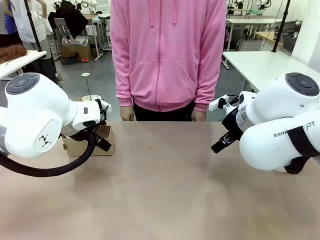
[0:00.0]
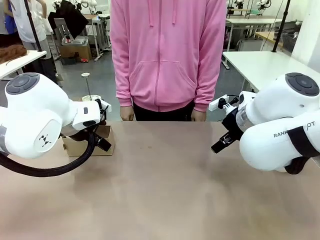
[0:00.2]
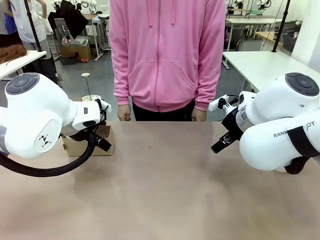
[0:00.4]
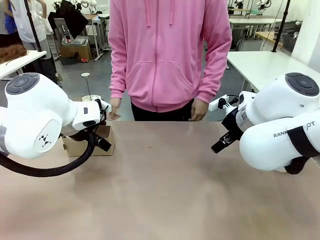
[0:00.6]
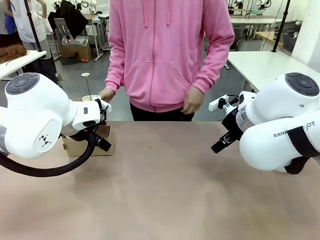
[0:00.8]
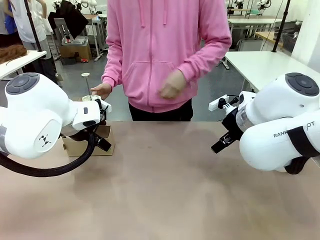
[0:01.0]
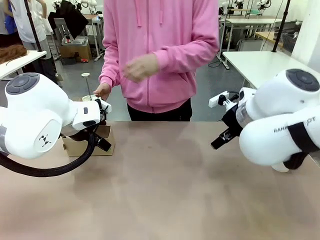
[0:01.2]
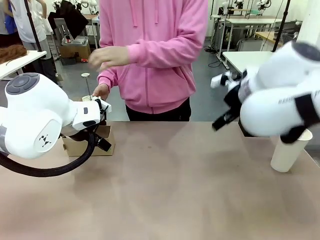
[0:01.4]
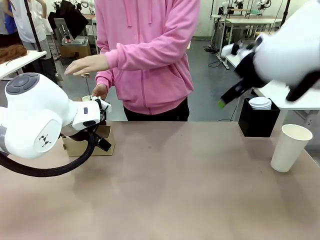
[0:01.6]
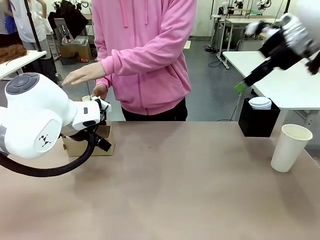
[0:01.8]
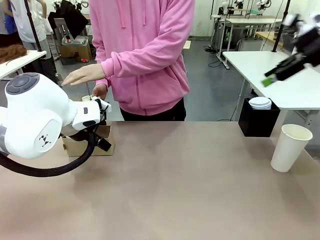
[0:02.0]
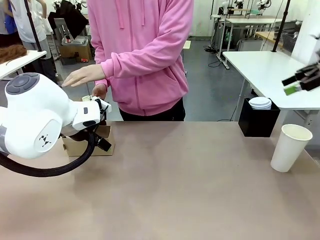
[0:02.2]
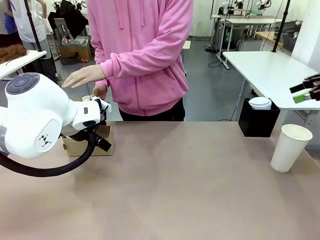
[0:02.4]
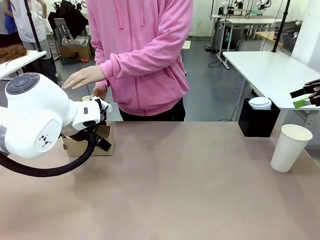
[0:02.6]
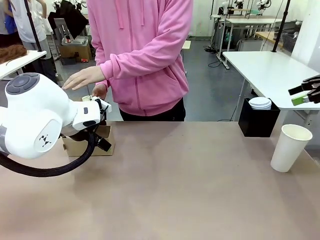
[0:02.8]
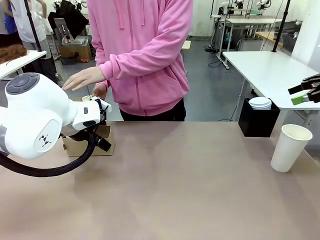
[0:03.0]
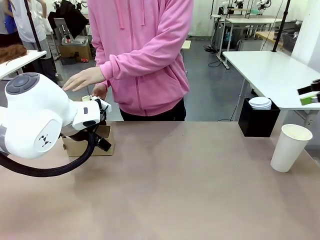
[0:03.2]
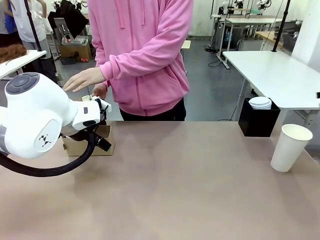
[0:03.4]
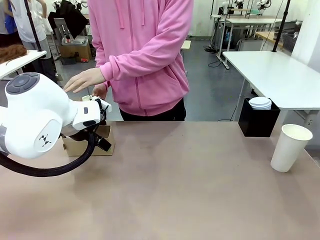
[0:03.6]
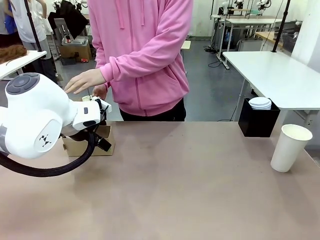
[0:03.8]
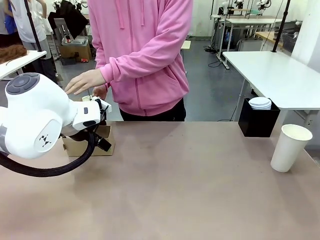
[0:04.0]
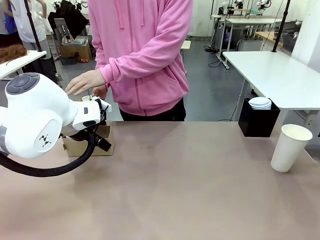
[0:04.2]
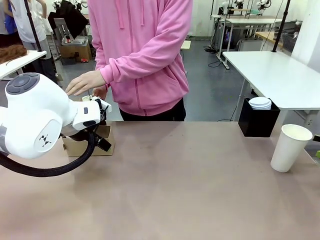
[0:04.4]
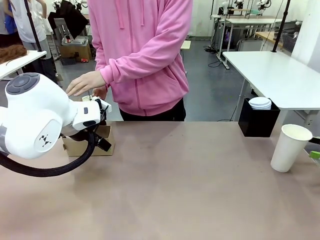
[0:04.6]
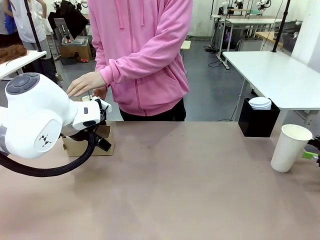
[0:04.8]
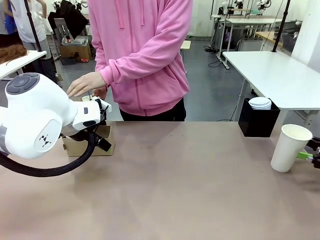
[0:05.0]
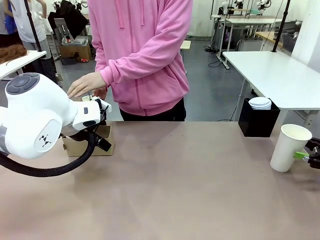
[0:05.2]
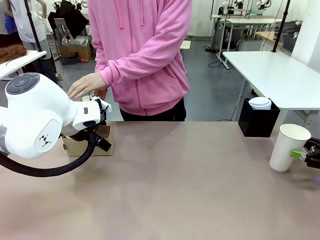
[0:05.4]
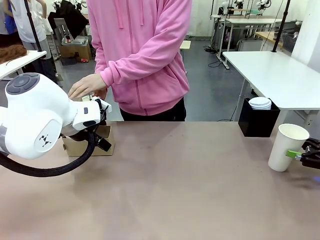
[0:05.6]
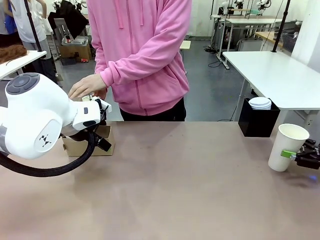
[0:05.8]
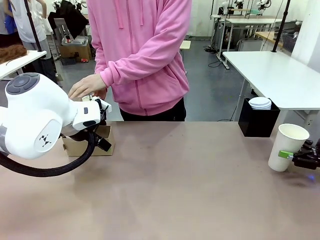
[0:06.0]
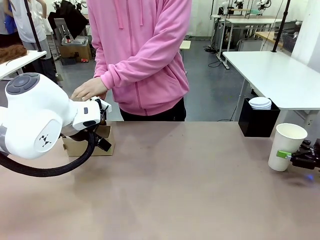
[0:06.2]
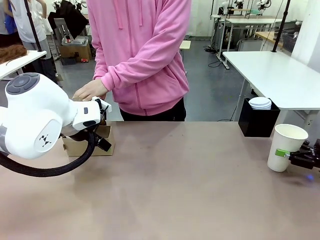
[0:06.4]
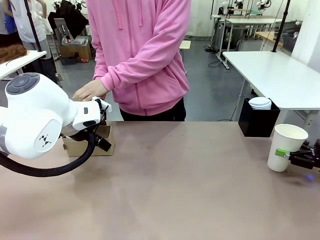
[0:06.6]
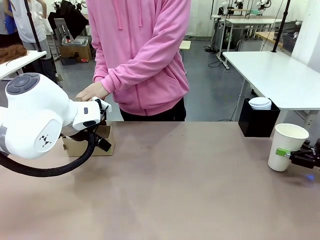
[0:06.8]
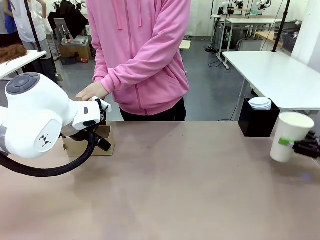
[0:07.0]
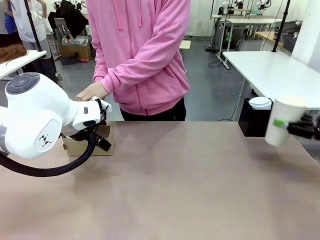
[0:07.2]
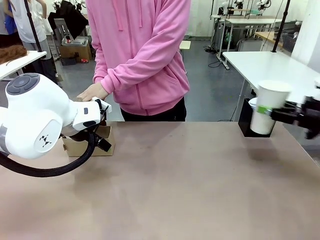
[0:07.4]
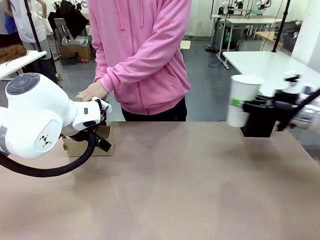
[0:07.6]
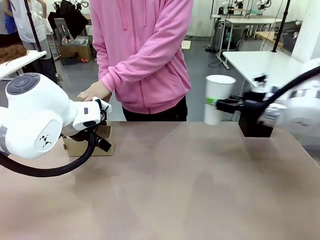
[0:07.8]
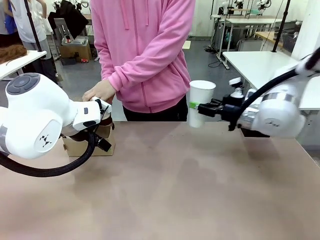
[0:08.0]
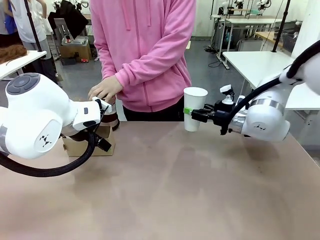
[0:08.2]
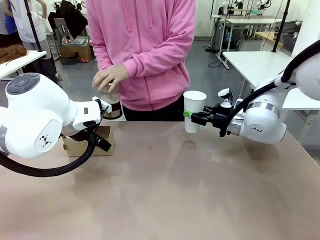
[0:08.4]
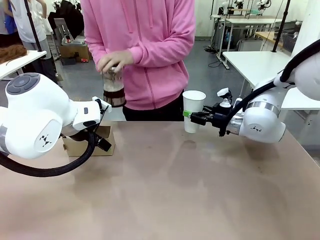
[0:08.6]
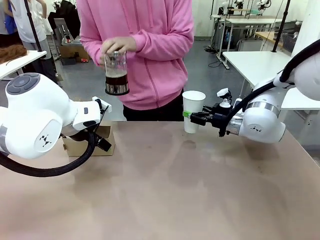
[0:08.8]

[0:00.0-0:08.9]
Task: Pour a drink into a cup and package it in a carrier.
Robot: Pick up the 600 ml Paper Cup and place it in the middle top area of the table.
Person: Press and pick up the Filter Brewing.

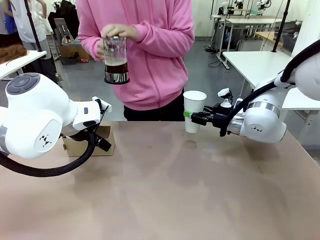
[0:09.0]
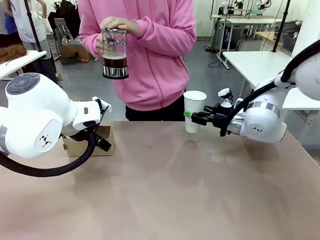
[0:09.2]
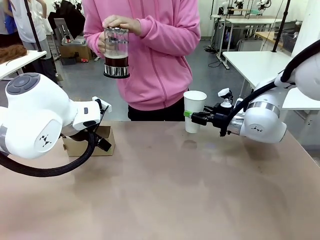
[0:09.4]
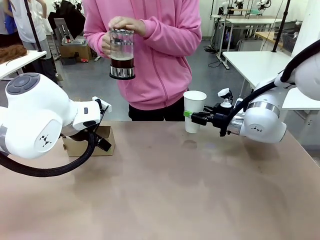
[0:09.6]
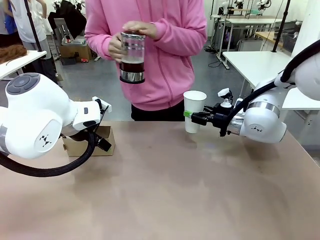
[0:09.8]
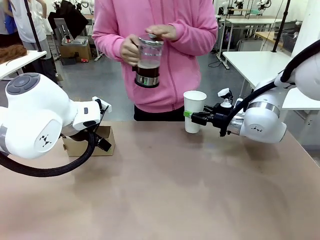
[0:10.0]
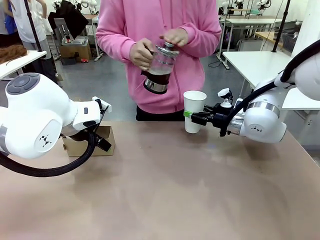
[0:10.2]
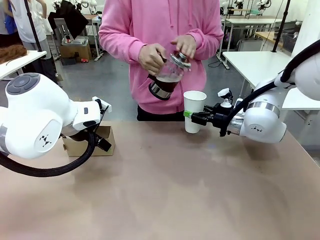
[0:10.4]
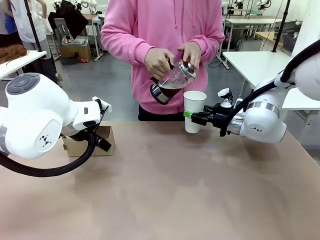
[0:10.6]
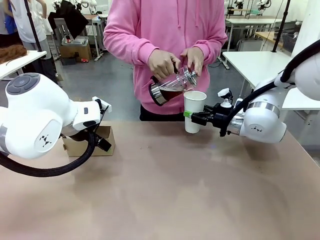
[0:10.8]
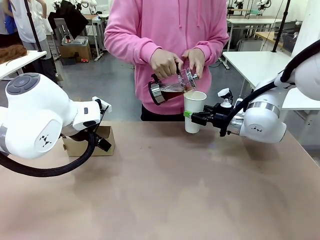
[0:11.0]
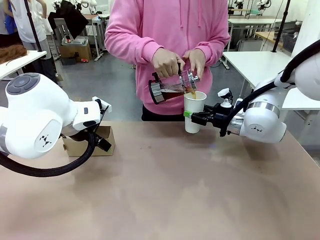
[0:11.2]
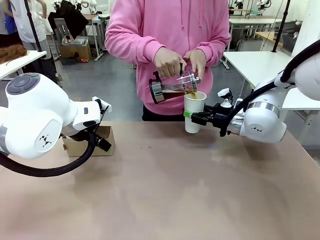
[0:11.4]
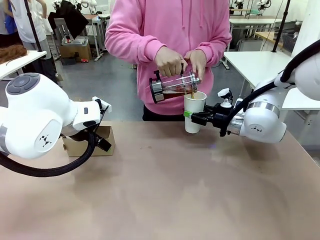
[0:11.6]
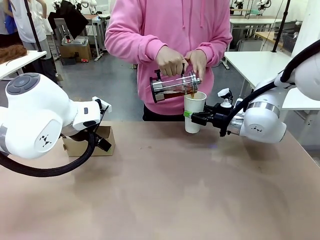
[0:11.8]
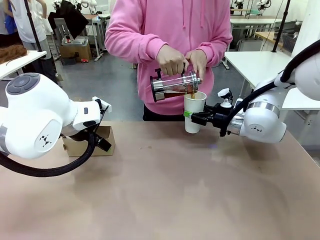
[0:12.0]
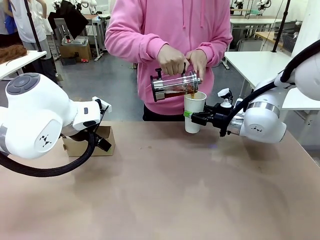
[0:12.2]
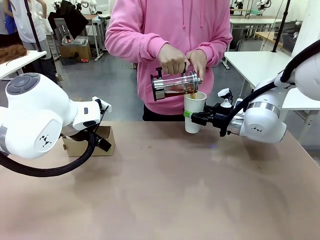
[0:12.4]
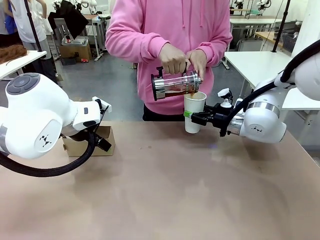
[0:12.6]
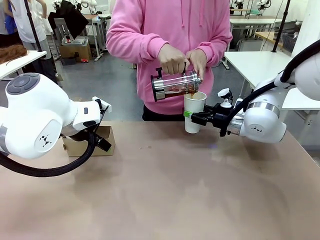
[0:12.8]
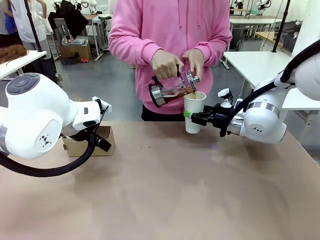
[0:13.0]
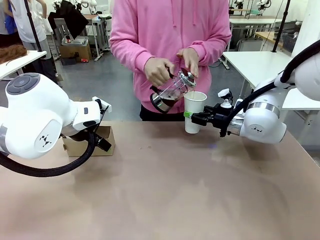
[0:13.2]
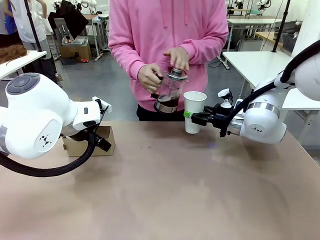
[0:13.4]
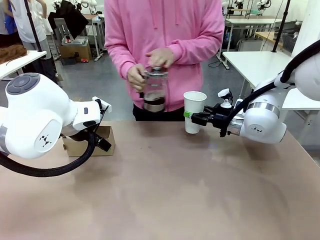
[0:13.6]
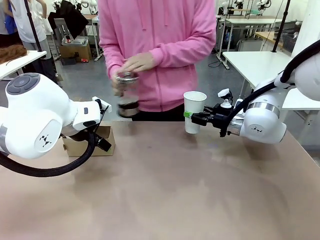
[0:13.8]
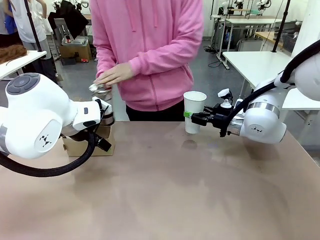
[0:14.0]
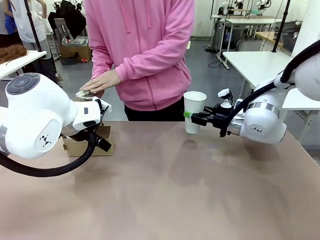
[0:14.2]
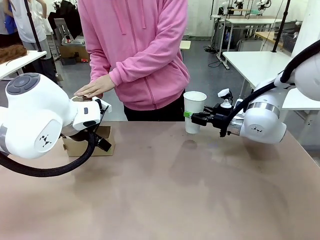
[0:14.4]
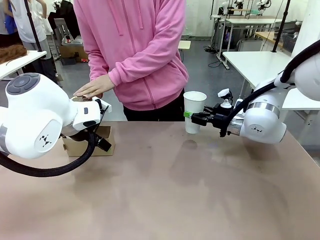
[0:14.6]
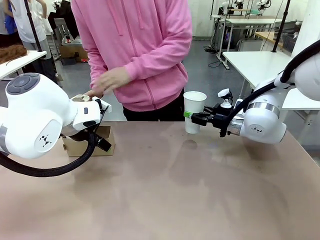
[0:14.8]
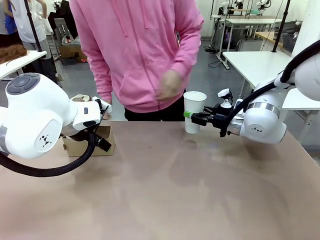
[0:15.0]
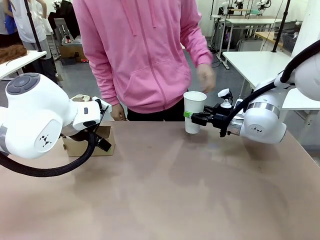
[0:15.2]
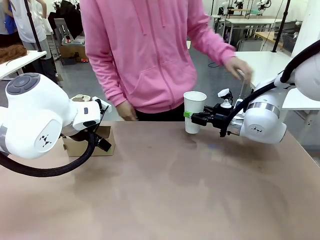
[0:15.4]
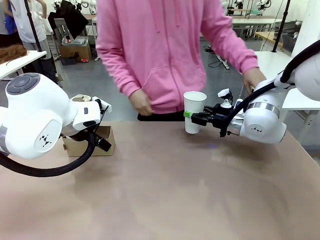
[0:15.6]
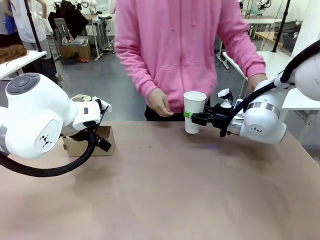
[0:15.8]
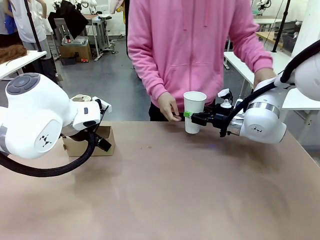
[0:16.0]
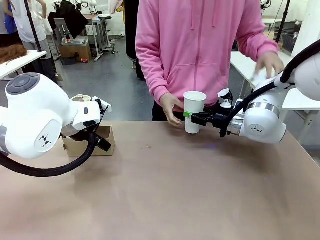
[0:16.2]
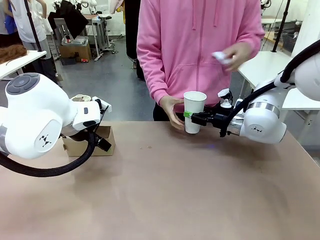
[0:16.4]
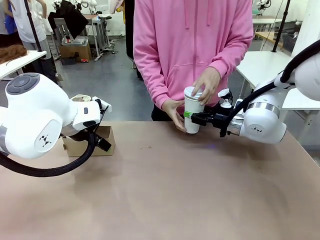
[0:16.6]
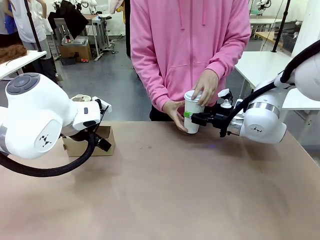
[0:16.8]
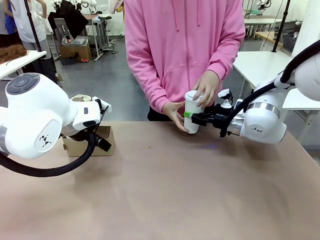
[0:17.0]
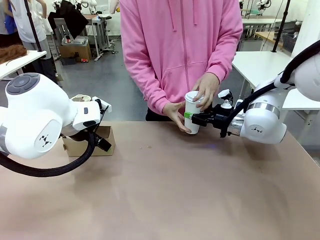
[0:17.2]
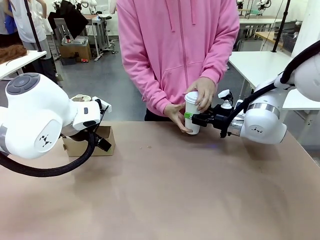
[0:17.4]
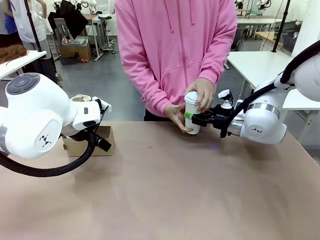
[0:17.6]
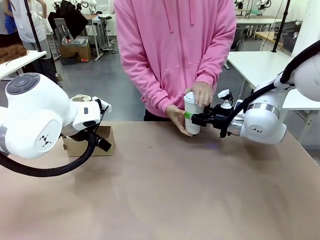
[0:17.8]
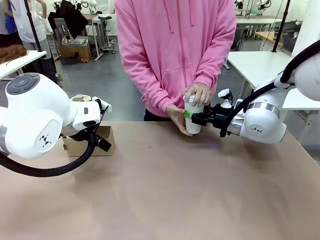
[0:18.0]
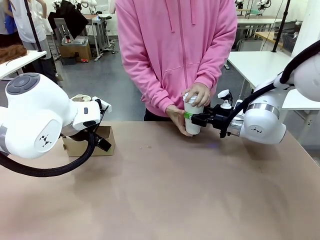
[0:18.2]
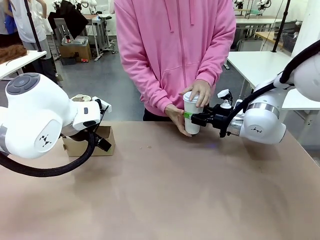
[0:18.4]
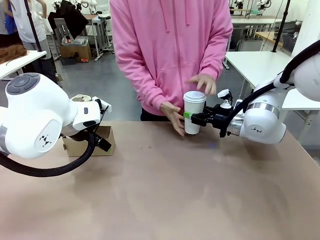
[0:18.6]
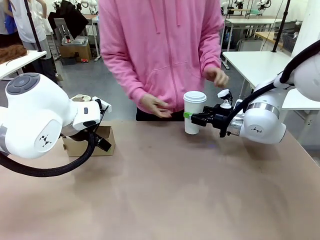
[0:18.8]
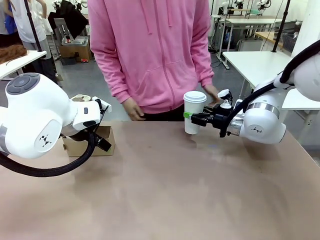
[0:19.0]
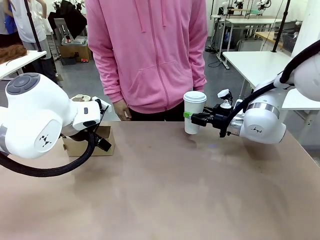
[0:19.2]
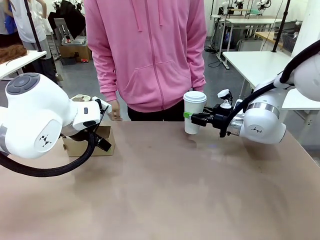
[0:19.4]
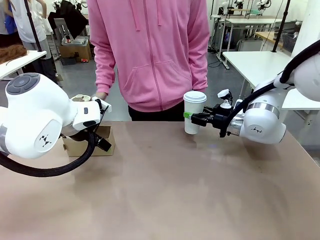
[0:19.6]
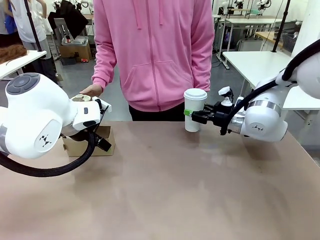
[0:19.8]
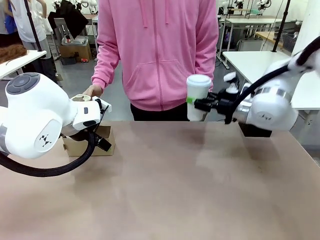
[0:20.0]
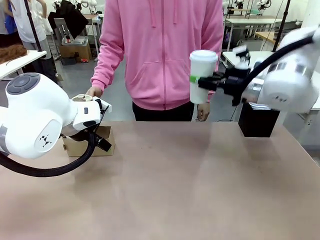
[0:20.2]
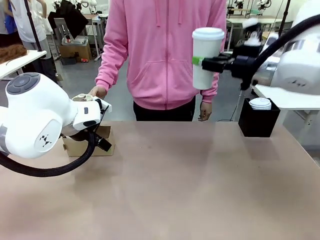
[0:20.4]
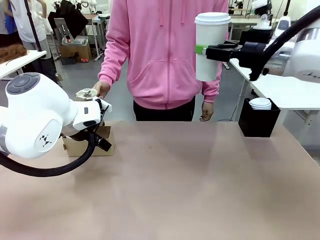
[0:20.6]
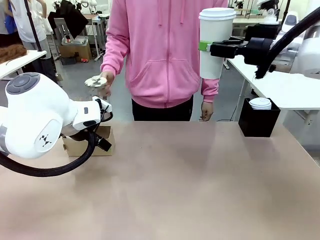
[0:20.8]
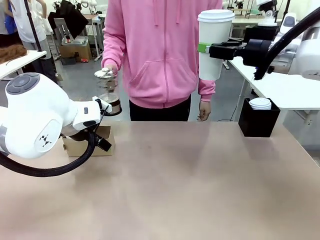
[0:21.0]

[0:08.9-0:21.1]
Robot: When a person places the Paper Cup Lid on the 600 ml Paper Cup , lift the 600 ml Paper Cup.
Person: Pour the drink from the Filter Brewing into the 600 ml Paper Cup. Place a Paper Cup Lid on the 600 ml Paper Cup.
